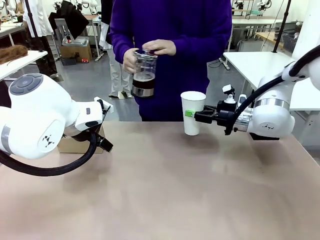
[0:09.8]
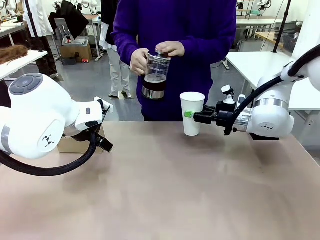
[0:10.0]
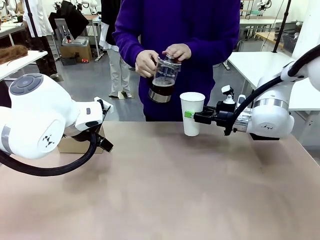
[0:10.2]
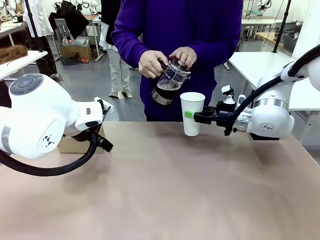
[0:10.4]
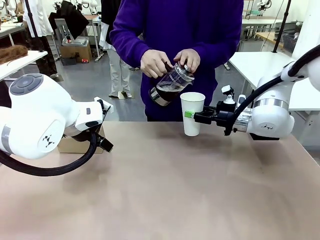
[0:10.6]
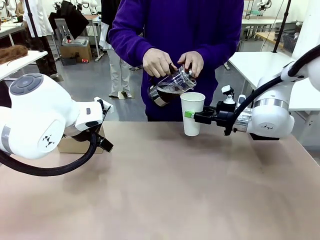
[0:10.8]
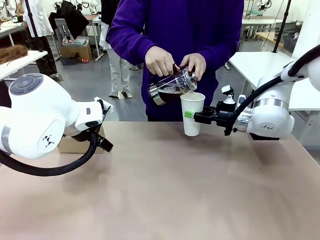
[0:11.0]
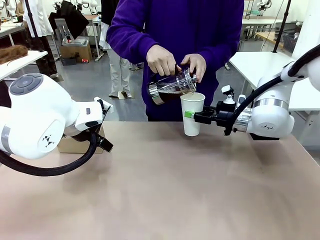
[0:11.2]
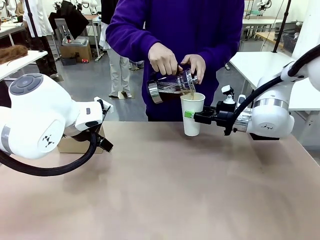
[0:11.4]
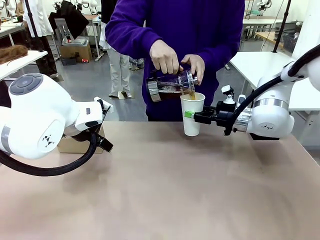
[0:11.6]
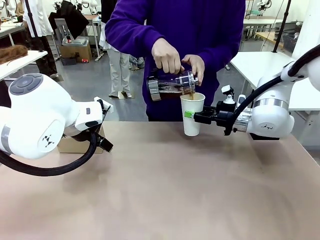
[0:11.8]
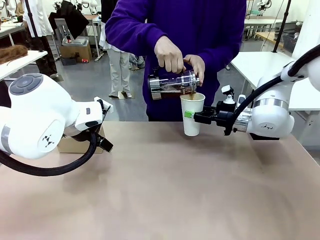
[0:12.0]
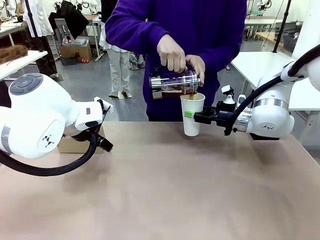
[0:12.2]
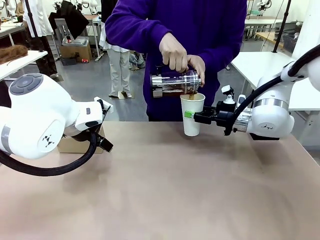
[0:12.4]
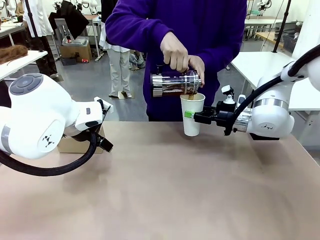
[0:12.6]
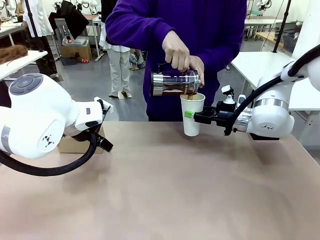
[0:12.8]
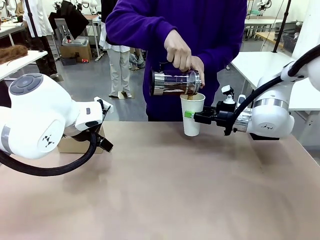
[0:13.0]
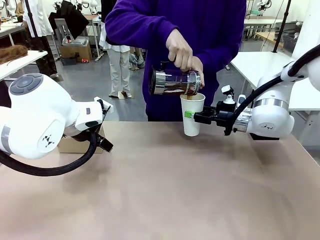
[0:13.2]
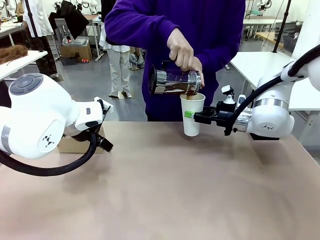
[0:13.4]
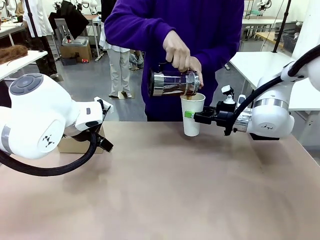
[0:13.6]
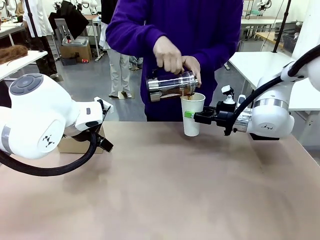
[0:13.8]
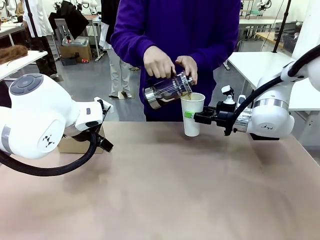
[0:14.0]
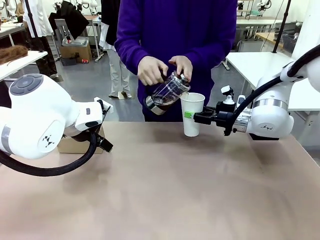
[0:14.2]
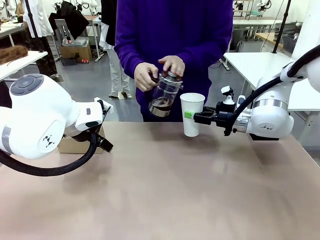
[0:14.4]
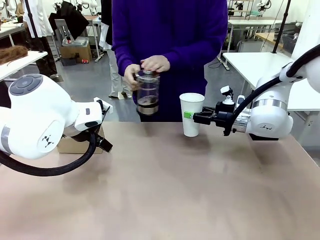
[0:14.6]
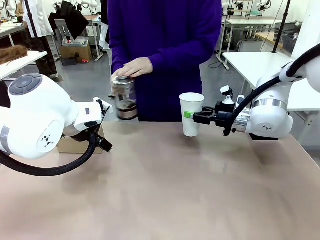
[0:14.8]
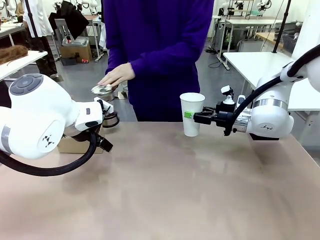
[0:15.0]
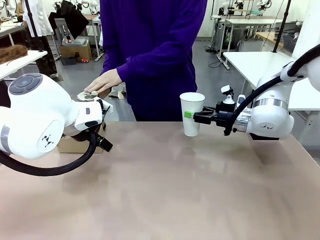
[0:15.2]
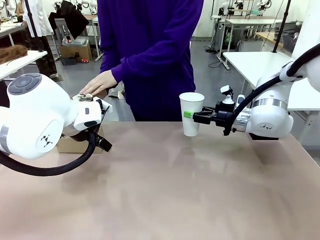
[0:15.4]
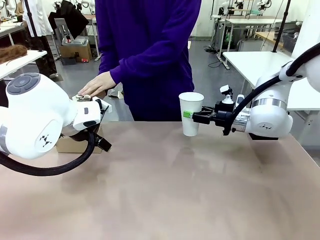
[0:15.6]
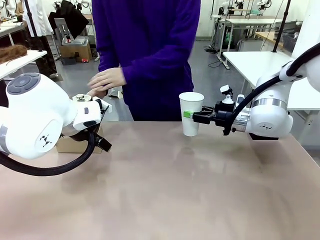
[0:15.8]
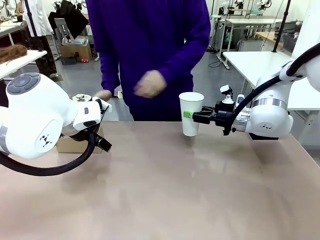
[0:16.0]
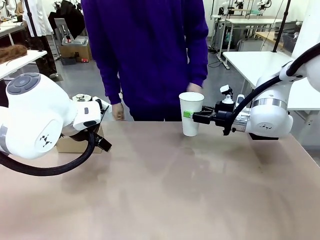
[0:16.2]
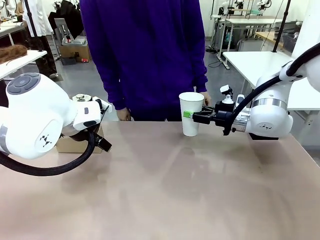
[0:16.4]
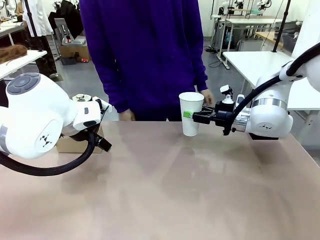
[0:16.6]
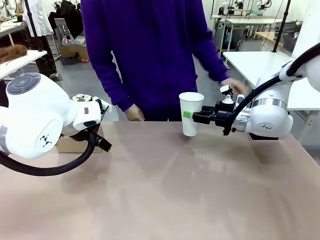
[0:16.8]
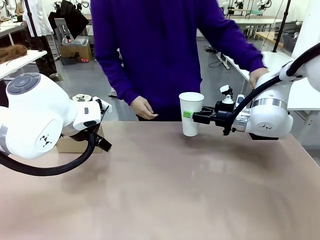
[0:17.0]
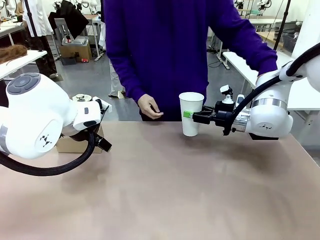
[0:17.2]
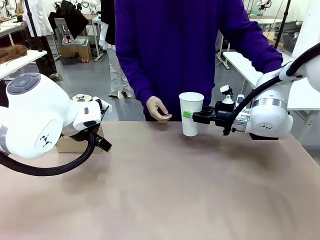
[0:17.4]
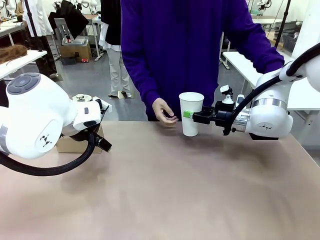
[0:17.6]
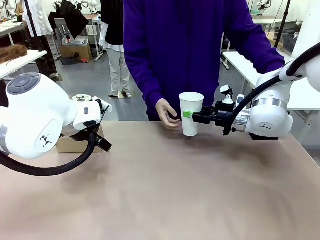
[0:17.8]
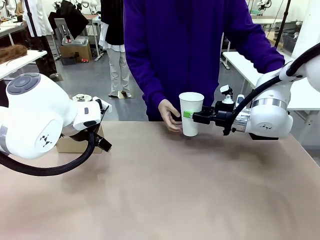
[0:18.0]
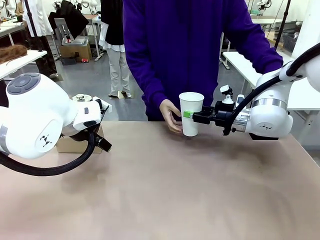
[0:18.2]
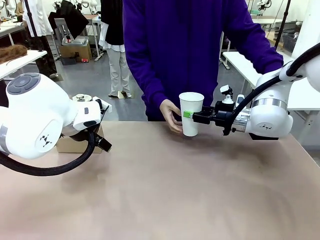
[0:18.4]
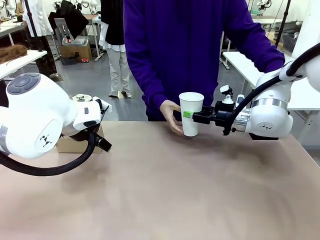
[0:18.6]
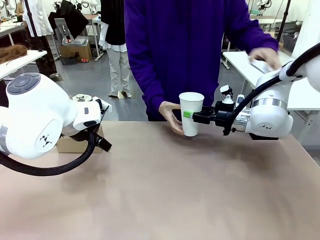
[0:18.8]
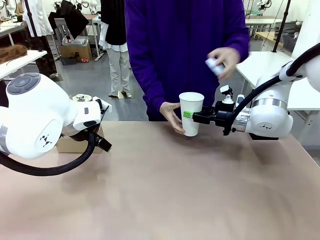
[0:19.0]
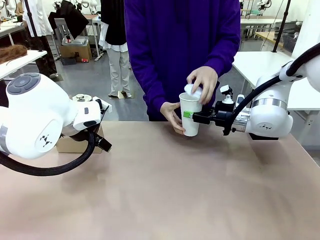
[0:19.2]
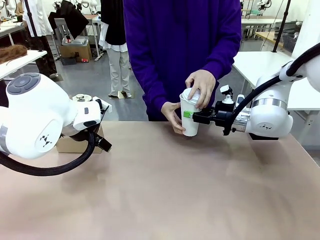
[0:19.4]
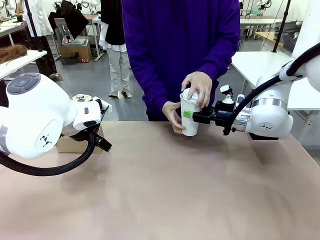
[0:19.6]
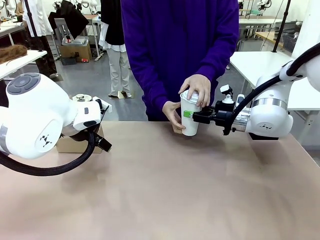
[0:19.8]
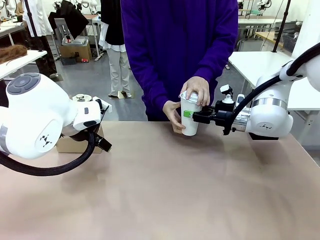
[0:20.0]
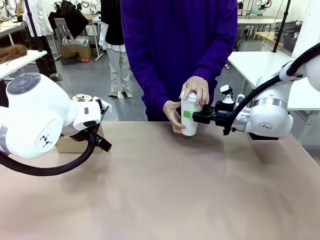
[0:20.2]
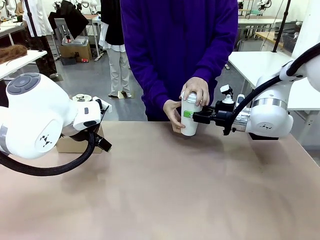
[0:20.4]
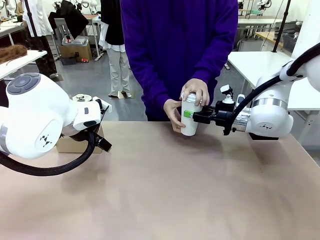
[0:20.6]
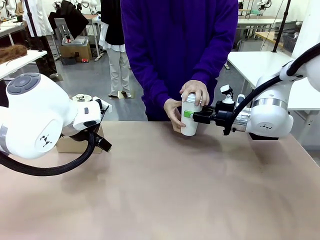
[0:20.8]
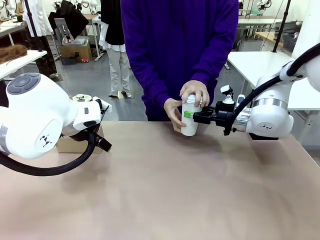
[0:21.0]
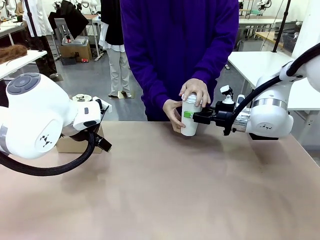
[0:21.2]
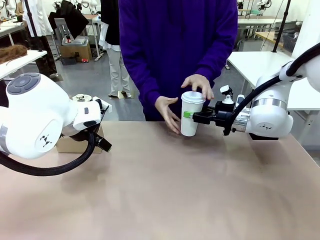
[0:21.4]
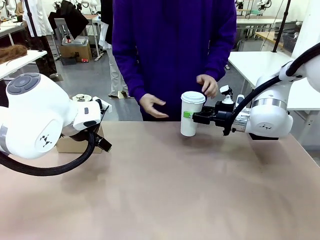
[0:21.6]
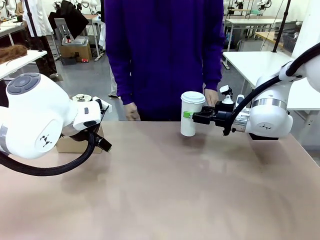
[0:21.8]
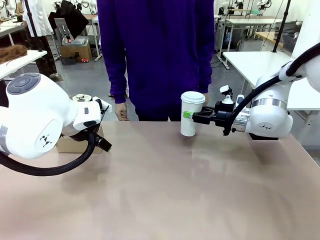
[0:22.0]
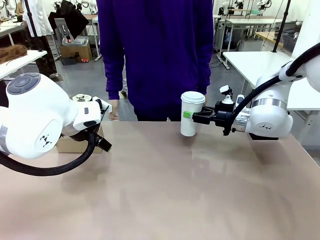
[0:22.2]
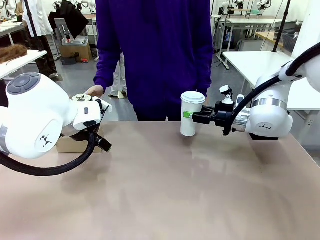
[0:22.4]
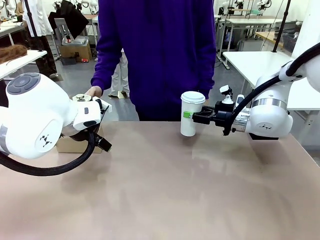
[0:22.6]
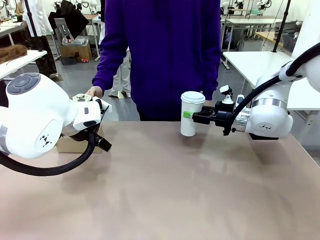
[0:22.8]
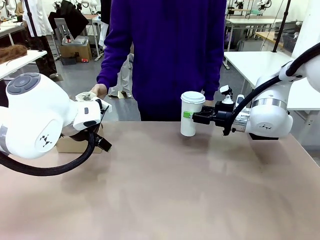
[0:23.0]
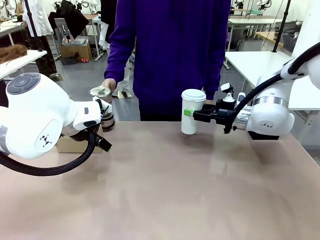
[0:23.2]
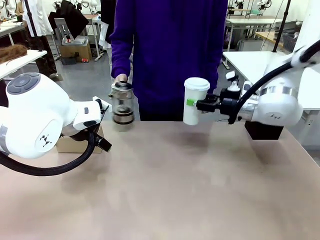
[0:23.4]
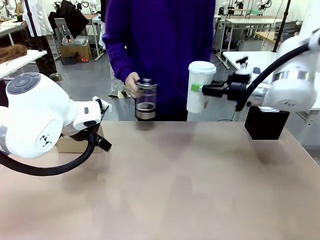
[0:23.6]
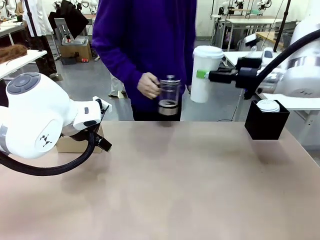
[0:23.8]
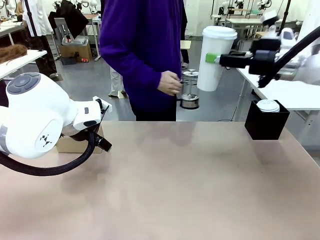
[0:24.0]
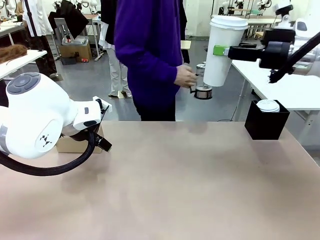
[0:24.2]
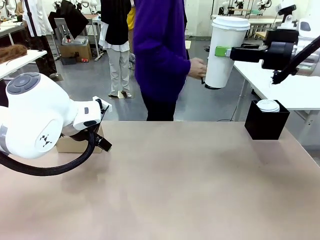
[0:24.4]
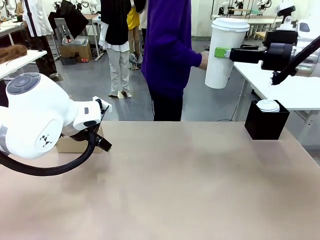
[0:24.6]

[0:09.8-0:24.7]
Task: Pour a drink into a cup and package it in a carrier.
Robot: When a person places the Paper Cup Lid on the 600 ml Paper Cup , lift the 600 ml Paper Cup.
Person: Pour the drink from the Filter Brewing into the 600 ml Paper Cup. Place a Paper Cup Lid on the 600 ml Paper Cup.

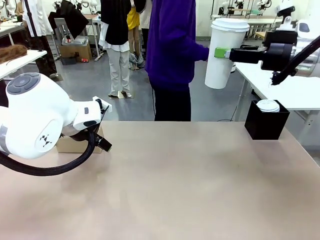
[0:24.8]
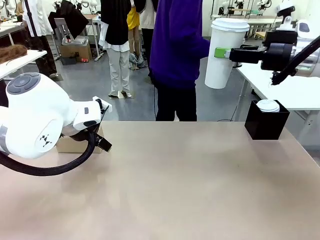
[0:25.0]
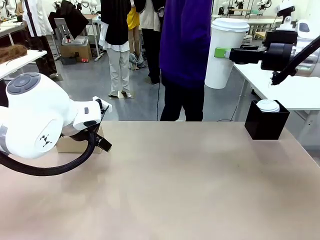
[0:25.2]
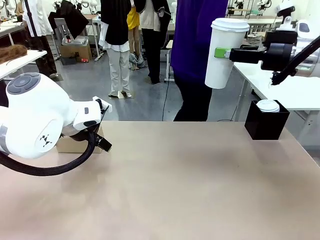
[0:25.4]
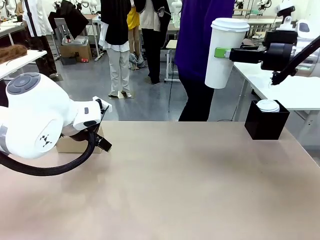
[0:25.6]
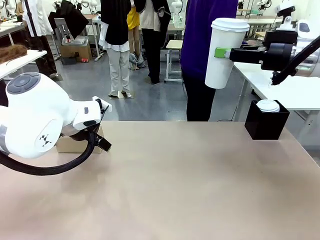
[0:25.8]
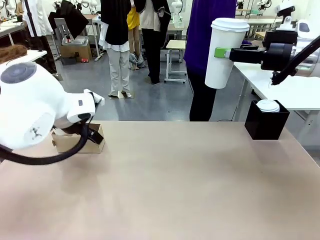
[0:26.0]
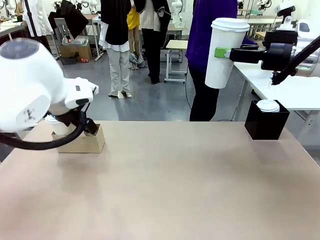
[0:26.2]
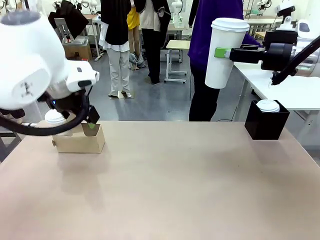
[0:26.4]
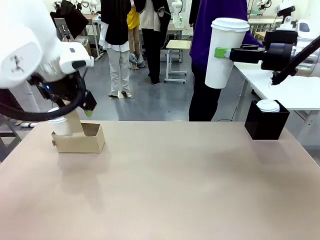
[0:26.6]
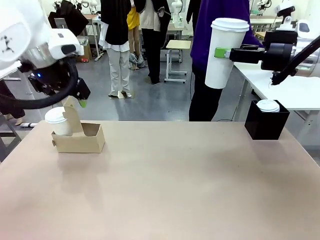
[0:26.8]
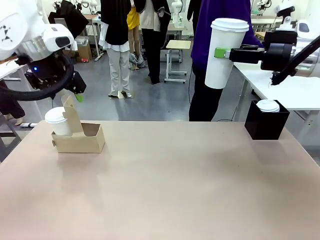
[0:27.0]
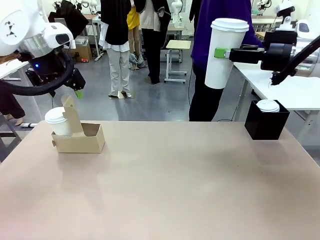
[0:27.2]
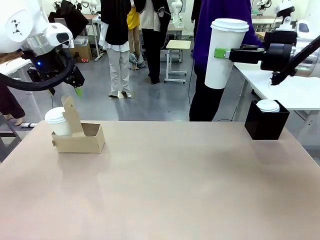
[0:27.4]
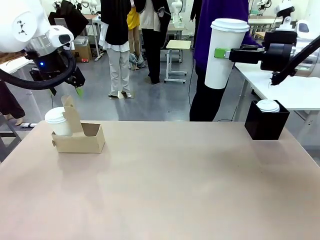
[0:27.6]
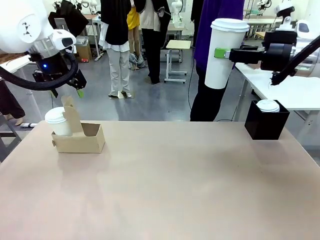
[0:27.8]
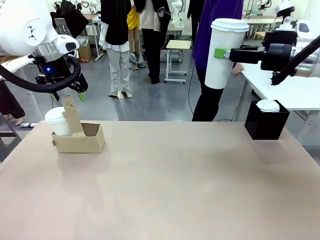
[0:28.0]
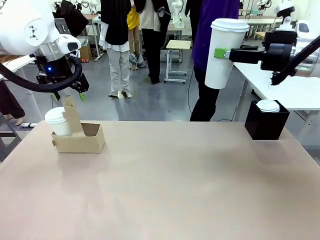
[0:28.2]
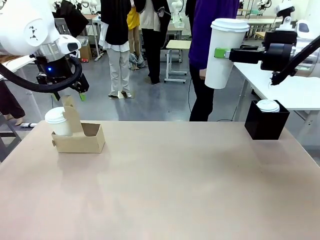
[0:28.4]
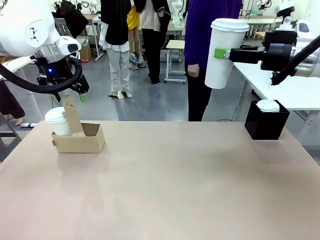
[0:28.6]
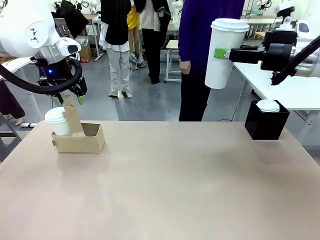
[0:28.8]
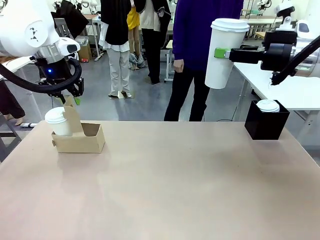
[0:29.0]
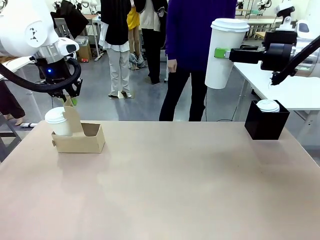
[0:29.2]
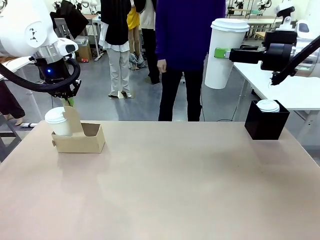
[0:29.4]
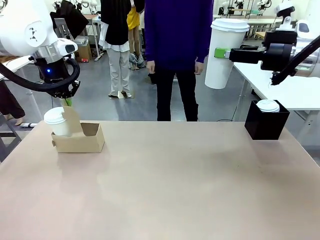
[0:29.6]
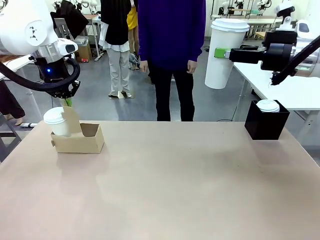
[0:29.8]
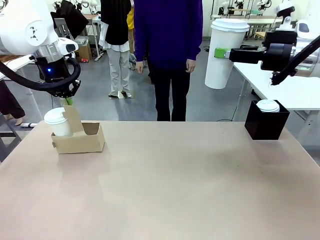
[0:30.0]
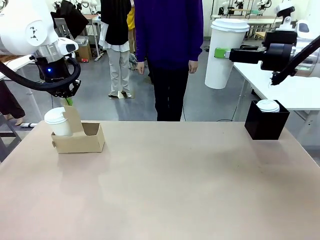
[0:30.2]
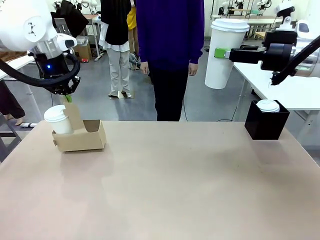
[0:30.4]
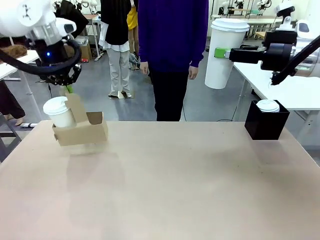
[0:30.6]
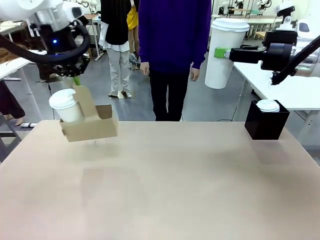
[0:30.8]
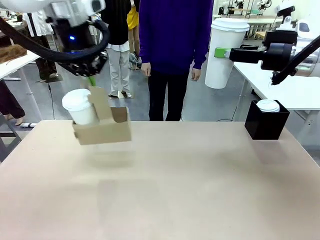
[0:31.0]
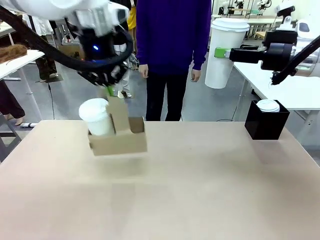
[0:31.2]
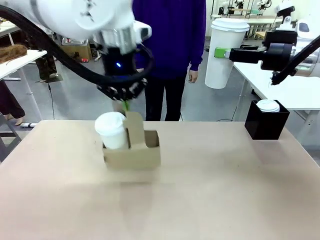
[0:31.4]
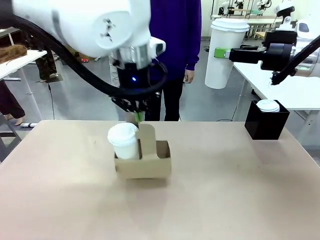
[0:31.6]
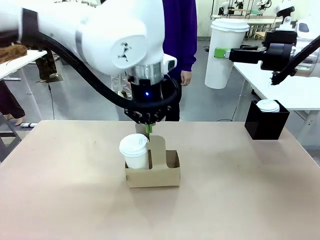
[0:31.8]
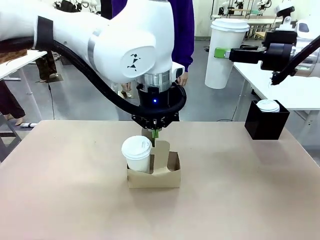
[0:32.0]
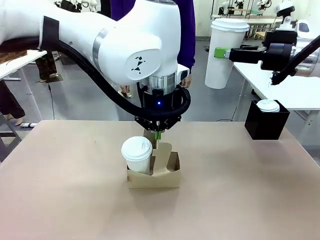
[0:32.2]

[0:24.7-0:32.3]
Robot: Position the Cup Carrier in the center of the table.
Person: Pick up the Filter Brewing and place on the middle of Human table, and return to the Robot table.
